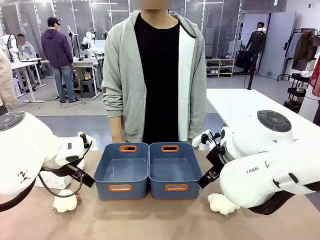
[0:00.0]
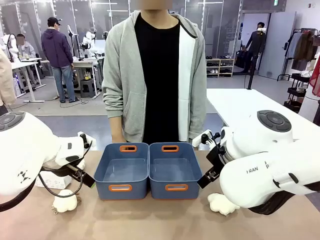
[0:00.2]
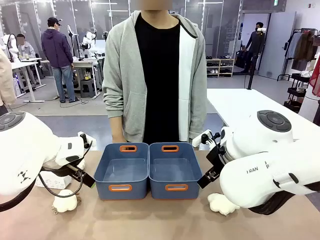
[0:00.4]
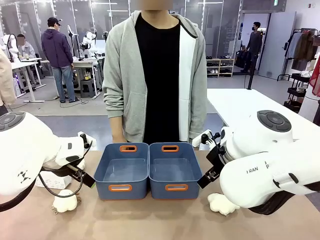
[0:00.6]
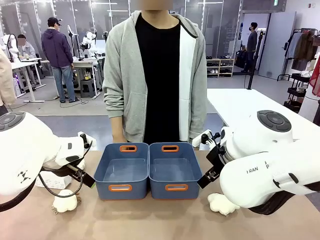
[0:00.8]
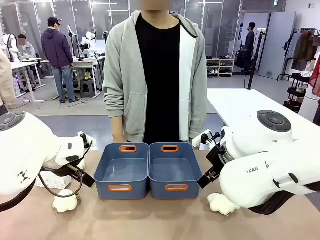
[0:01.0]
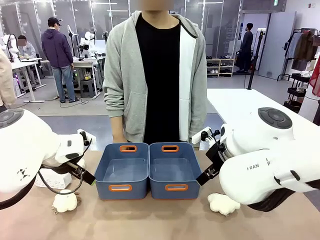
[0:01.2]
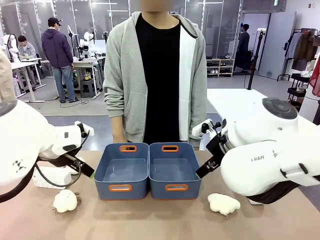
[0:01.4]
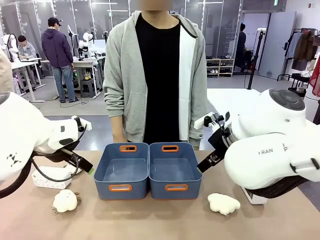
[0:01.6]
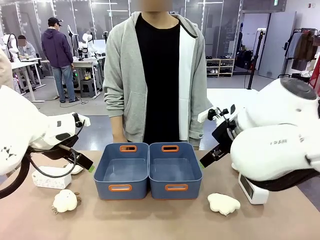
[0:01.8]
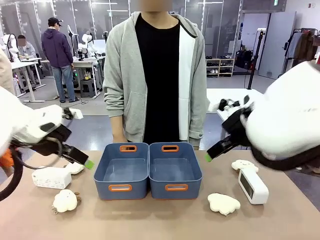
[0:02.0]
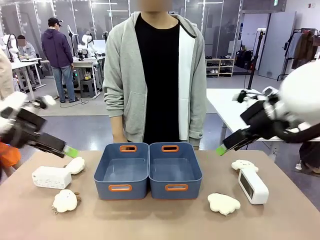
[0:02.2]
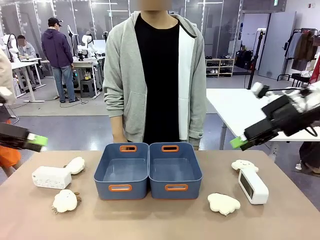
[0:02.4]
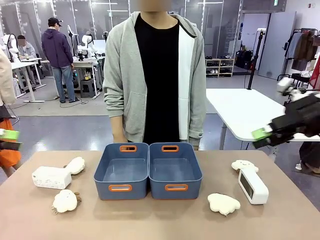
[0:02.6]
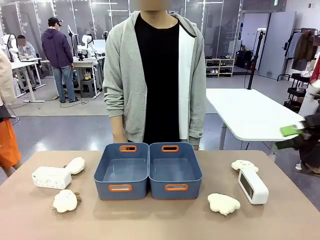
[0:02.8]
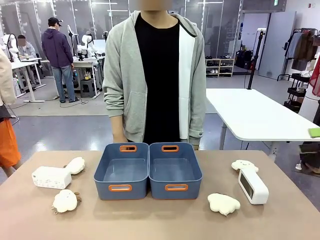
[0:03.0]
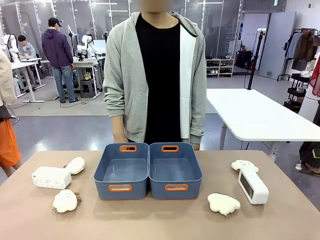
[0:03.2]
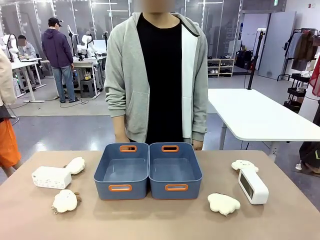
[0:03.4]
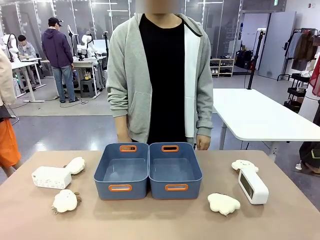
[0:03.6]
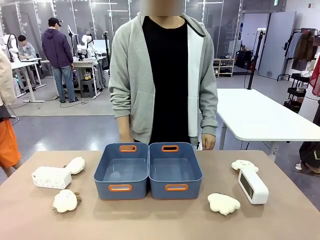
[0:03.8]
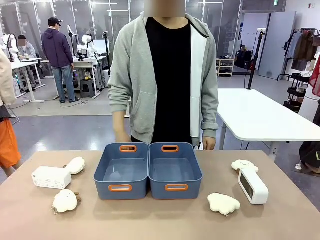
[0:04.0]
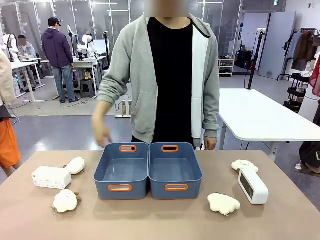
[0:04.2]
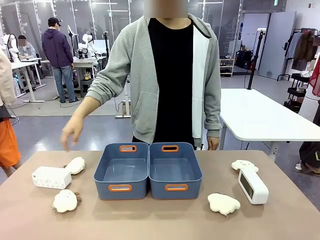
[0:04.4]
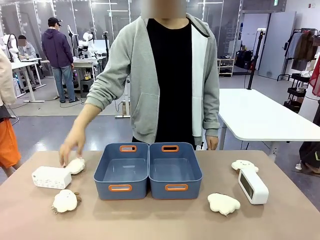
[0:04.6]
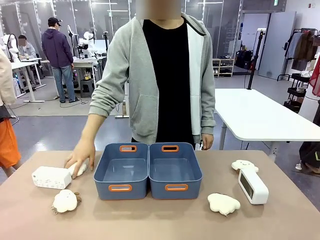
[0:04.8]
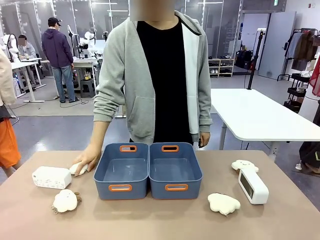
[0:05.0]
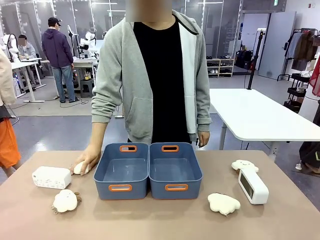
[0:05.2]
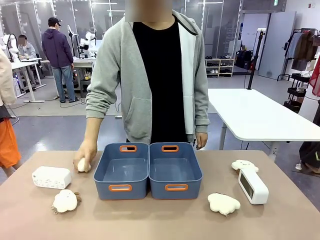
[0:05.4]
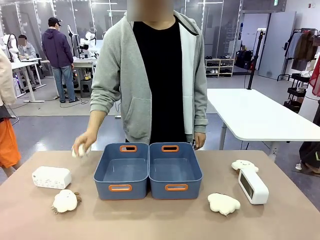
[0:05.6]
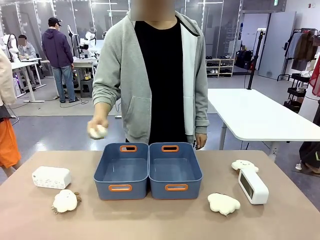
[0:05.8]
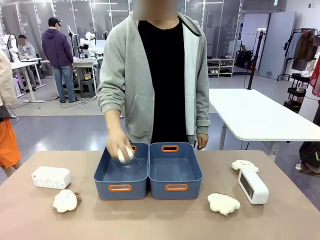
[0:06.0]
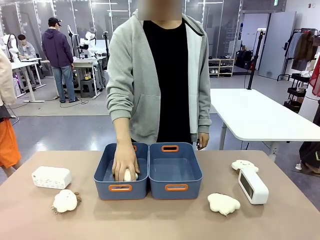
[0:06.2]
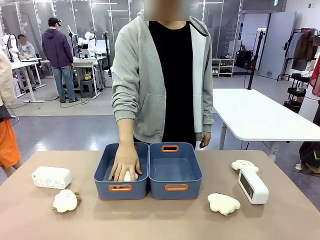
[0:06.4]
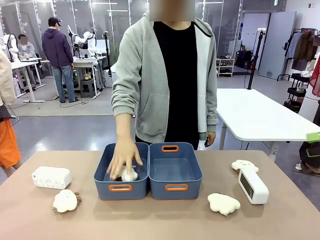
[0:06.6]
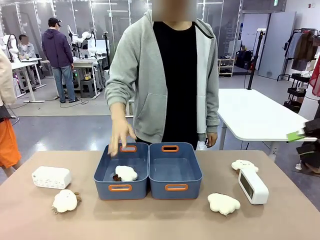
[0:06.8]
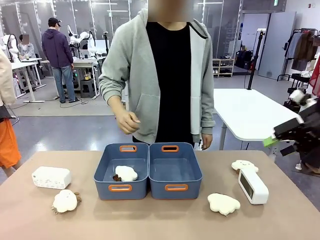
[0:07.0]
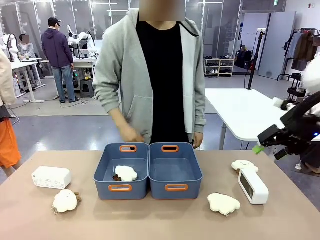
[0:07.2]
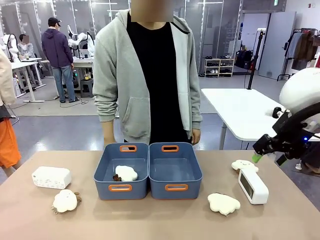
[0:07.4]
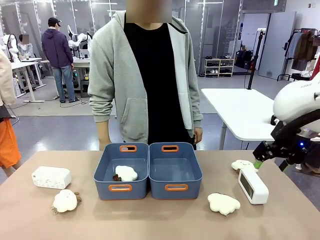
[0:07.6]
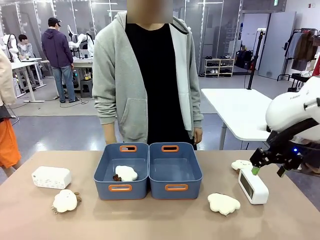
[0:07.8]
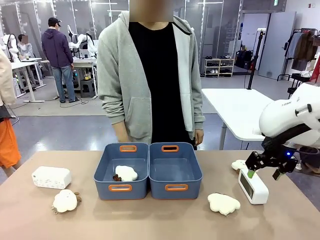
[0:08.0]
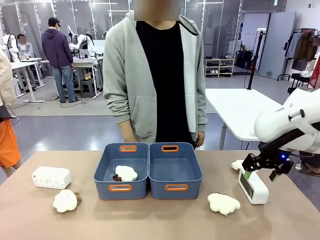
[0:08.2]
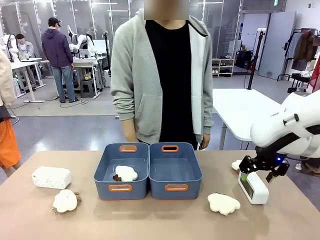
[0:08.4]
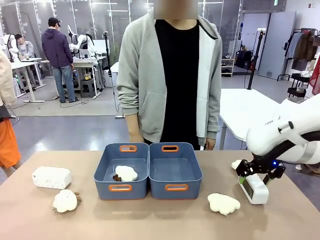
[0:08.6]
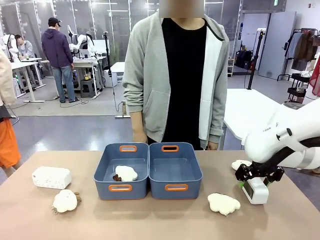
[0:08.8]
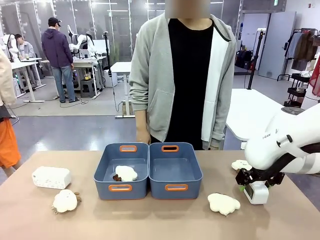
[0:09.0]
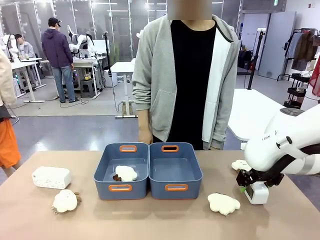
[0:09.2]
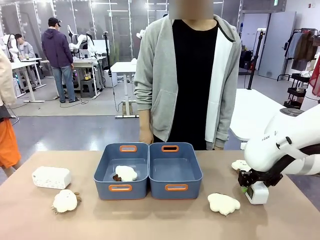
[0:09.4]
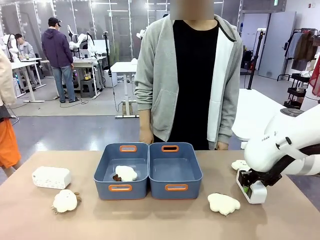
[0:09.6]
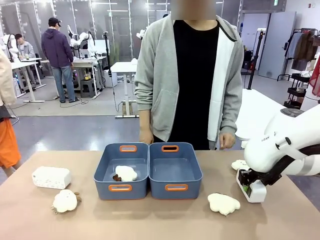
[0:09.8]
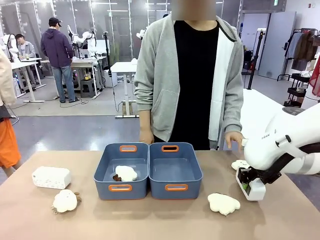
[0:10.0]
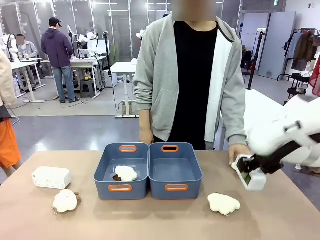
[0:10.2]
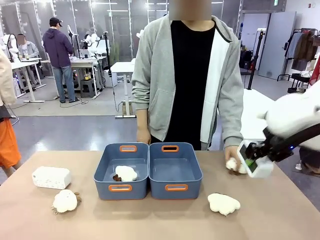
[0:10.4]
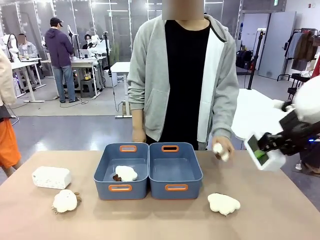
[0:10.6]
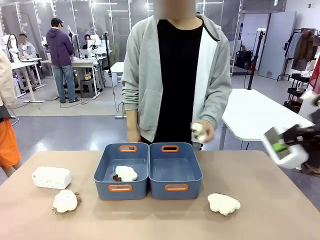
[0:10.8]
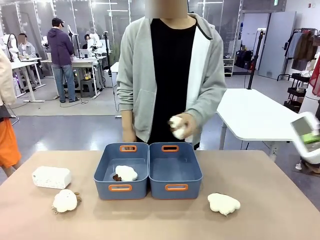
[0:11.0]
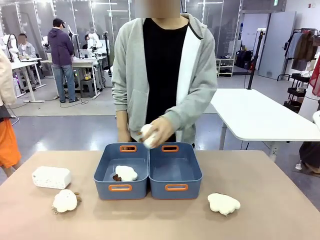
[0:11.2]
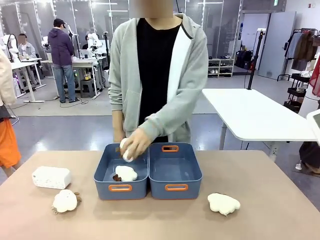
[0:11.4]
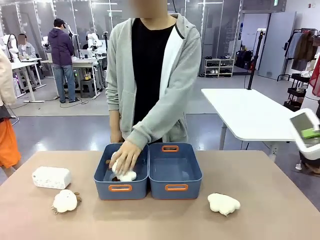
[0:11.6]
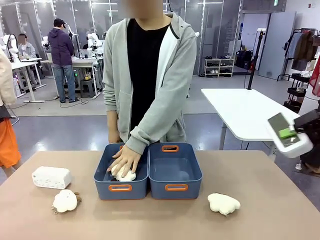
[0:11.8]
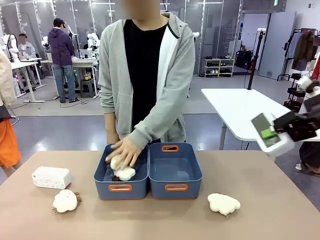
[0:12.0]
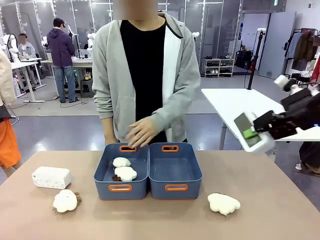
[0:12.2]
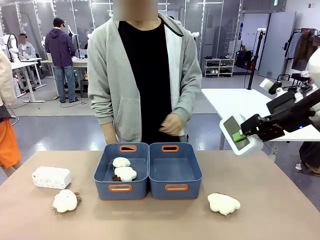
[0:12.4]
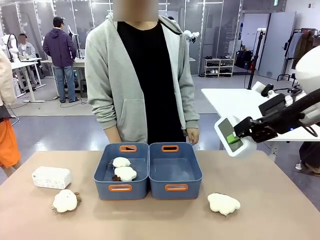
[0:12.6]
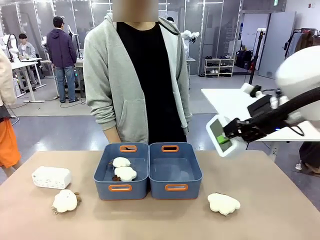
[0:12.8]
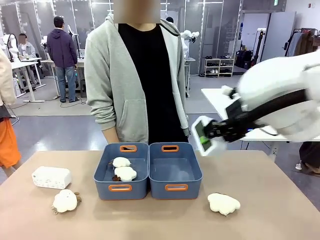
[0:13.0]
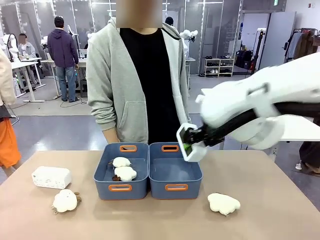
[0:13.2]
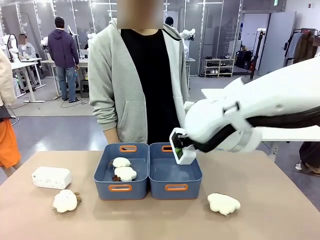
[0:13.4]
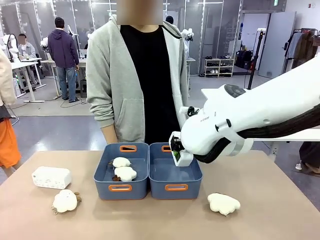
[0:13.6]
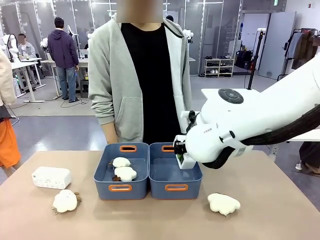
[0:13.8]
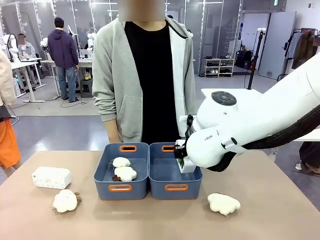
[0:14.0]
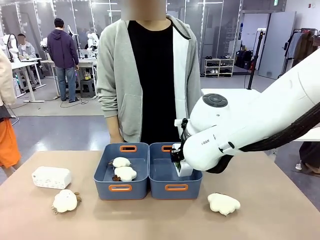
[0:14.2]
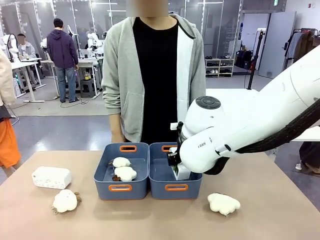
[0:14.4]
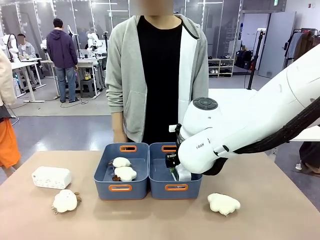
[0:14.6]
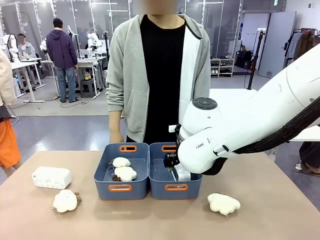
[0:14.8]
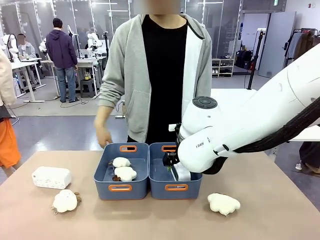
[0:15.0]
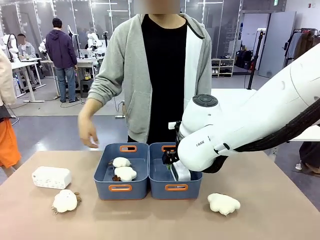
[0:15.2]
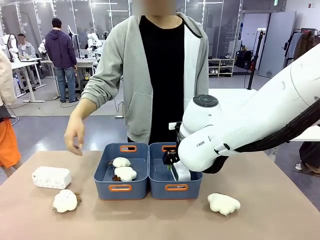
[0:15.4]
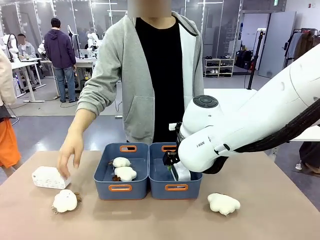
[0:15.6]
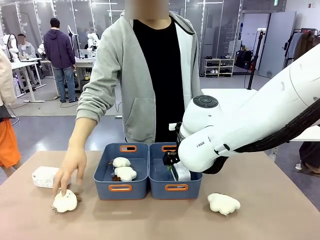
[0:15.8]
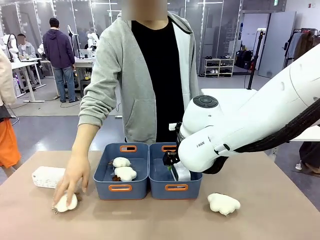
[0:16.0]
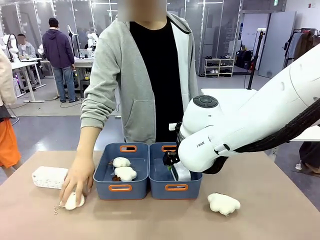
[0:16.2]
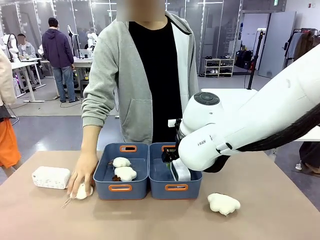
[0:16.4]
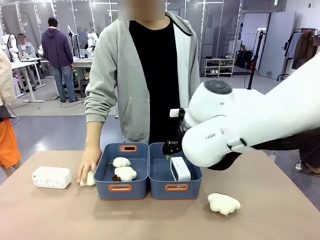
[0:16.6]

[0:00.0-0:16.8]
Task: Sort the digital clocks into the basket.
Robot: Pick up the Digital clock from the table and place it into the empty Plastic storage basket.
Person: Pick up a plush toy from the table and place it in a plastic storage basket.
